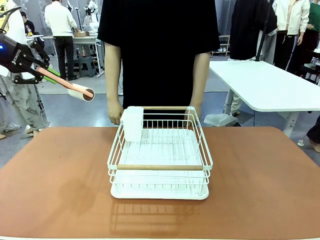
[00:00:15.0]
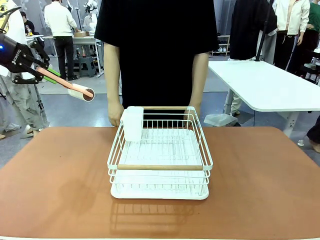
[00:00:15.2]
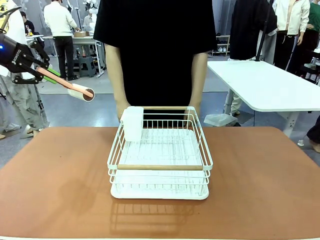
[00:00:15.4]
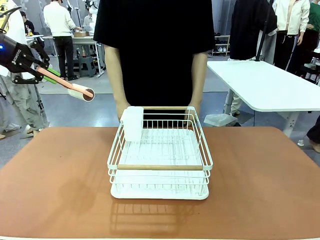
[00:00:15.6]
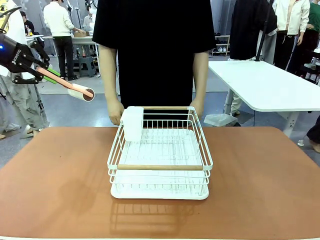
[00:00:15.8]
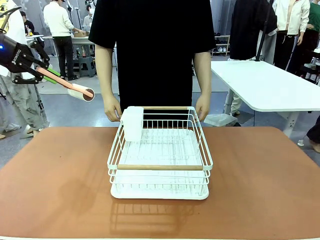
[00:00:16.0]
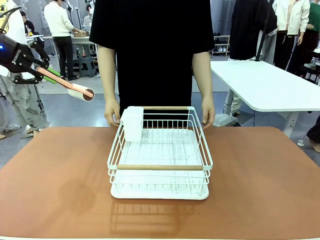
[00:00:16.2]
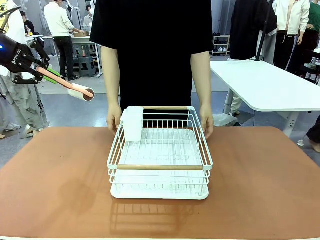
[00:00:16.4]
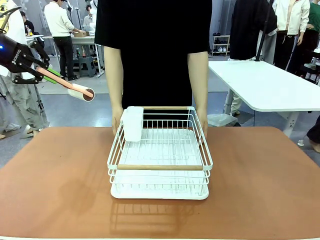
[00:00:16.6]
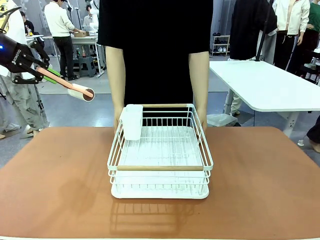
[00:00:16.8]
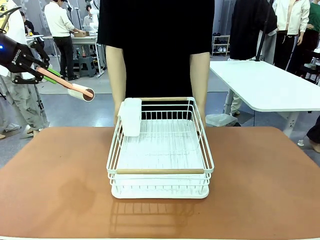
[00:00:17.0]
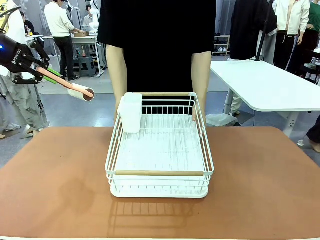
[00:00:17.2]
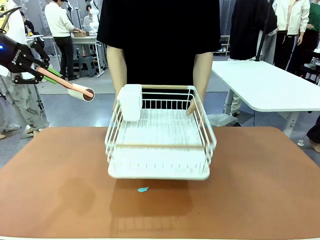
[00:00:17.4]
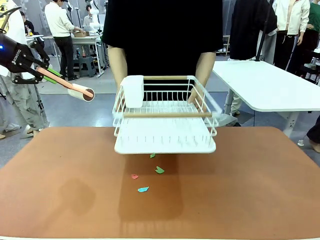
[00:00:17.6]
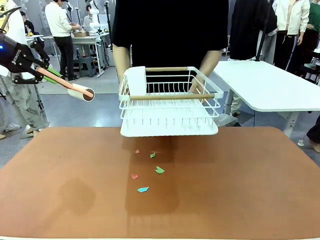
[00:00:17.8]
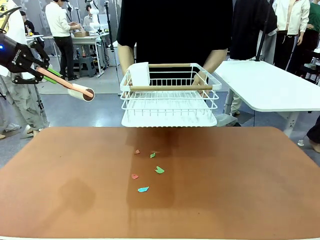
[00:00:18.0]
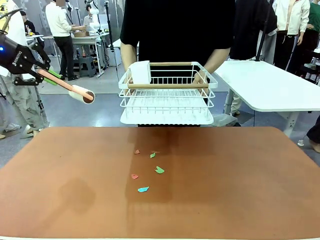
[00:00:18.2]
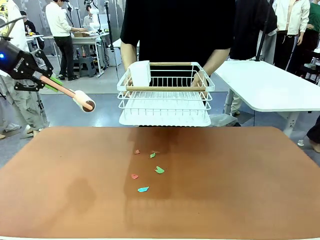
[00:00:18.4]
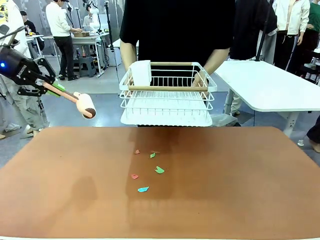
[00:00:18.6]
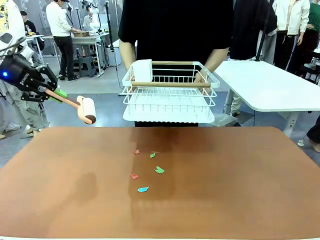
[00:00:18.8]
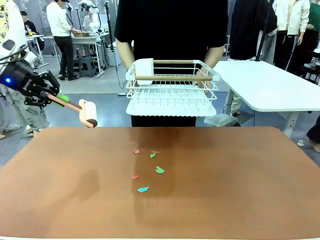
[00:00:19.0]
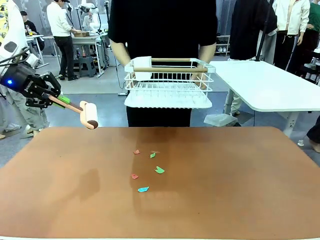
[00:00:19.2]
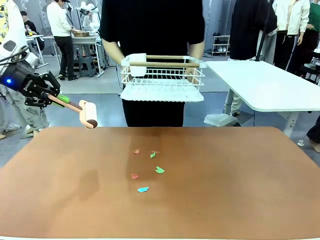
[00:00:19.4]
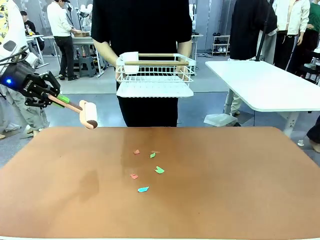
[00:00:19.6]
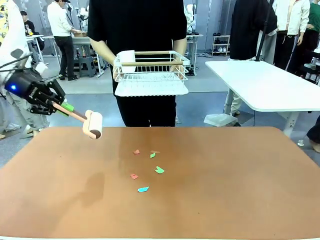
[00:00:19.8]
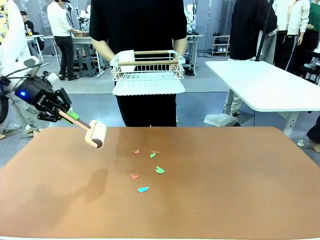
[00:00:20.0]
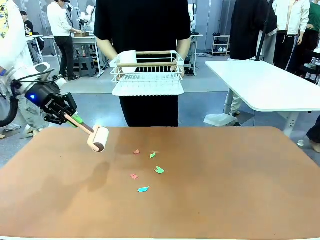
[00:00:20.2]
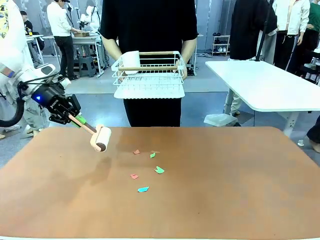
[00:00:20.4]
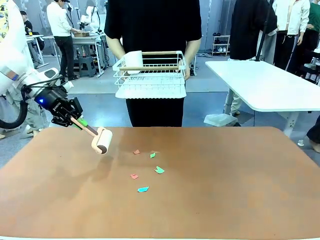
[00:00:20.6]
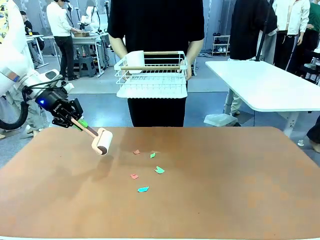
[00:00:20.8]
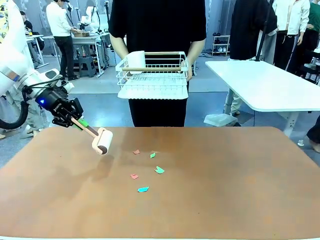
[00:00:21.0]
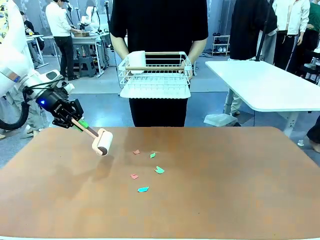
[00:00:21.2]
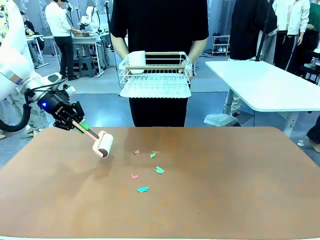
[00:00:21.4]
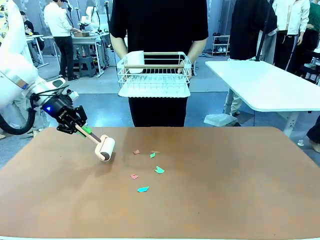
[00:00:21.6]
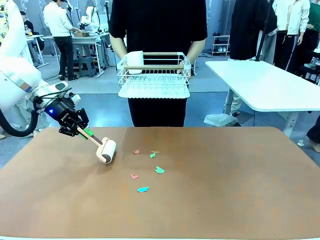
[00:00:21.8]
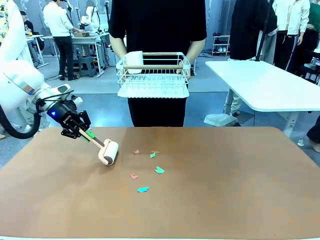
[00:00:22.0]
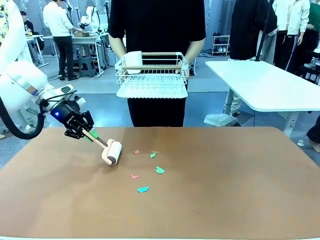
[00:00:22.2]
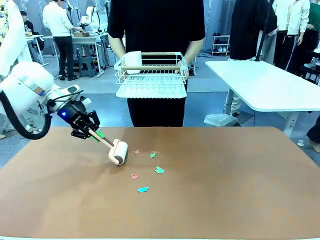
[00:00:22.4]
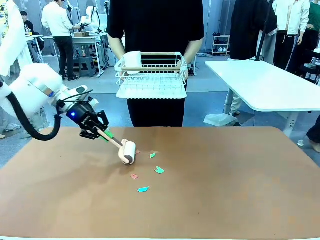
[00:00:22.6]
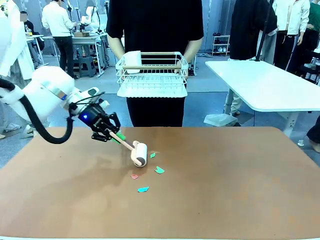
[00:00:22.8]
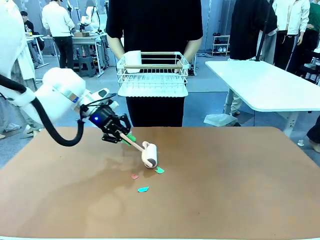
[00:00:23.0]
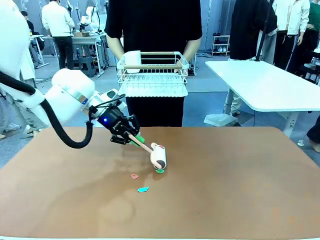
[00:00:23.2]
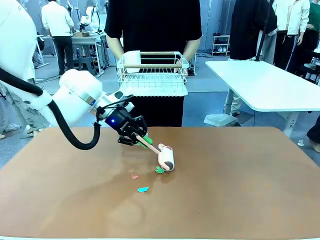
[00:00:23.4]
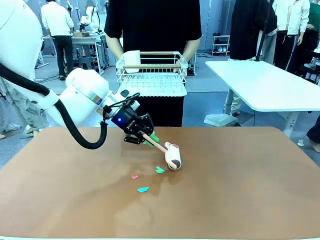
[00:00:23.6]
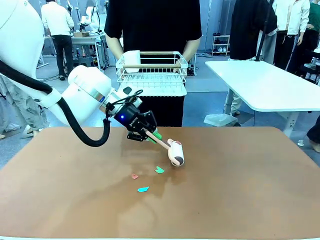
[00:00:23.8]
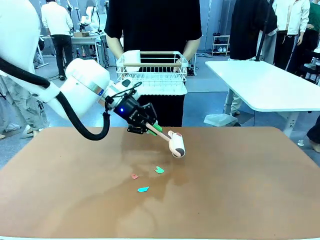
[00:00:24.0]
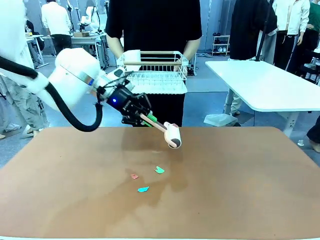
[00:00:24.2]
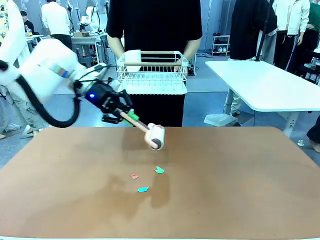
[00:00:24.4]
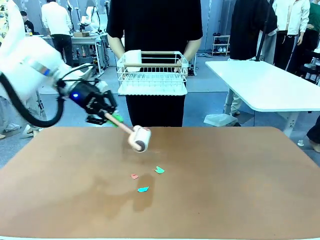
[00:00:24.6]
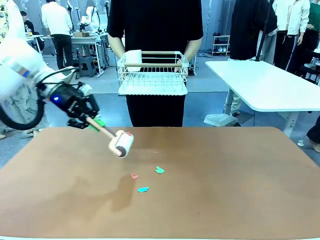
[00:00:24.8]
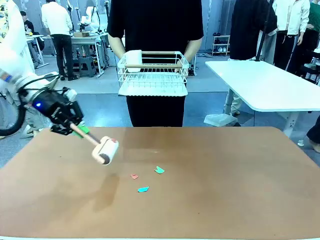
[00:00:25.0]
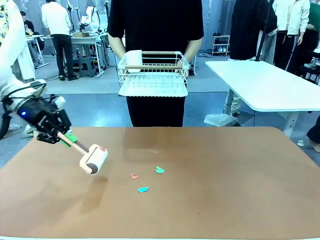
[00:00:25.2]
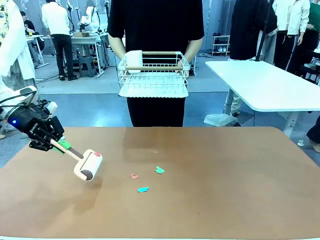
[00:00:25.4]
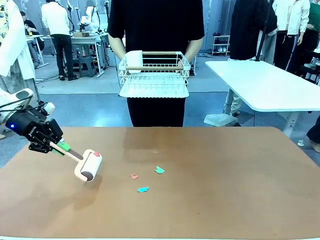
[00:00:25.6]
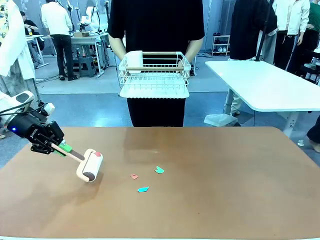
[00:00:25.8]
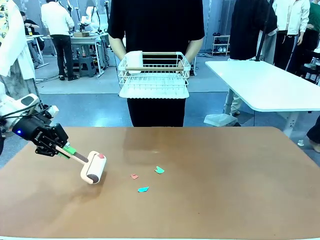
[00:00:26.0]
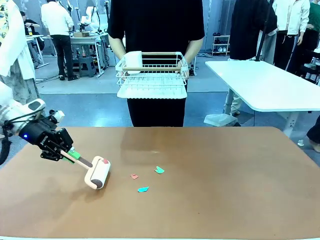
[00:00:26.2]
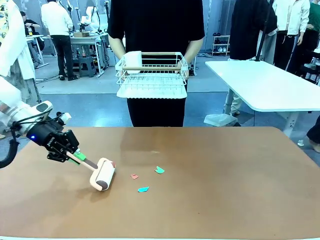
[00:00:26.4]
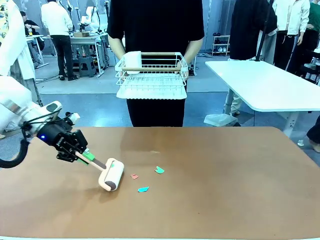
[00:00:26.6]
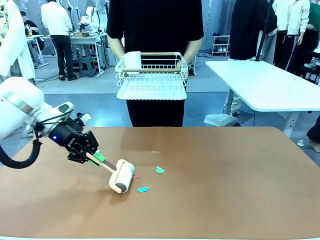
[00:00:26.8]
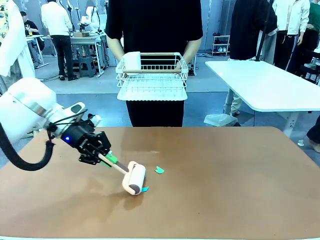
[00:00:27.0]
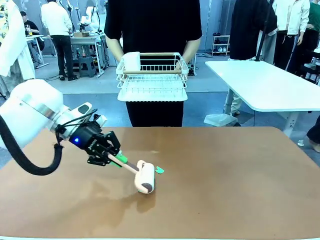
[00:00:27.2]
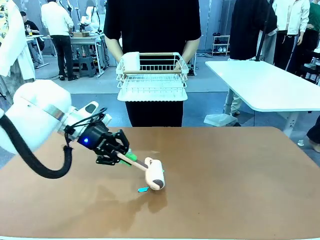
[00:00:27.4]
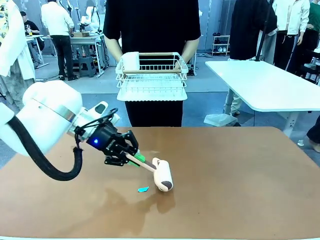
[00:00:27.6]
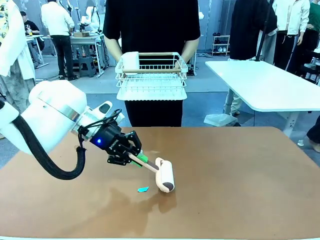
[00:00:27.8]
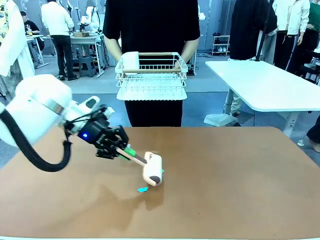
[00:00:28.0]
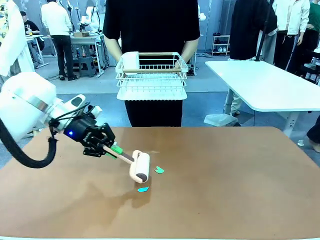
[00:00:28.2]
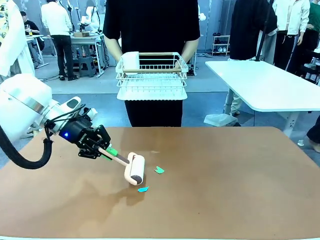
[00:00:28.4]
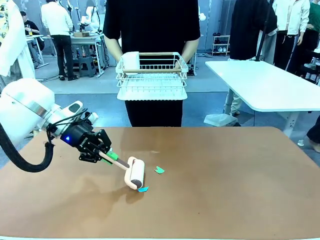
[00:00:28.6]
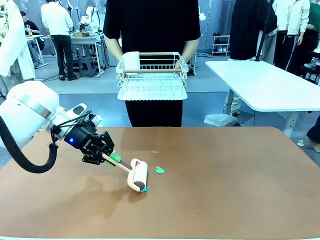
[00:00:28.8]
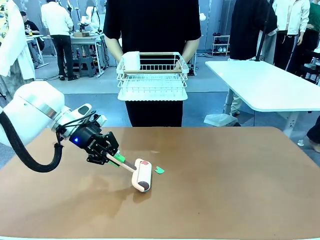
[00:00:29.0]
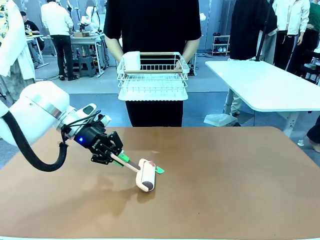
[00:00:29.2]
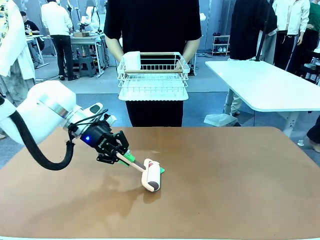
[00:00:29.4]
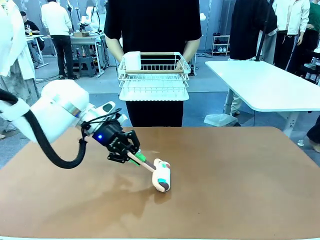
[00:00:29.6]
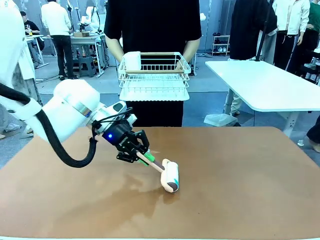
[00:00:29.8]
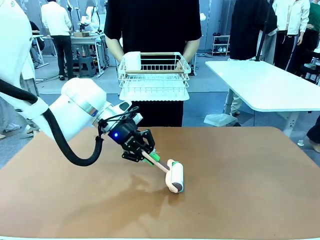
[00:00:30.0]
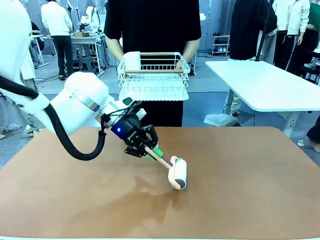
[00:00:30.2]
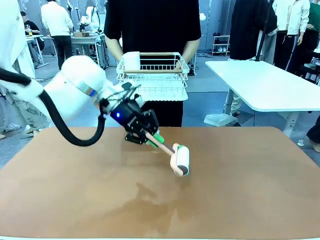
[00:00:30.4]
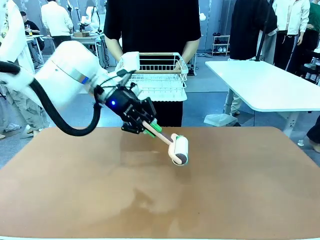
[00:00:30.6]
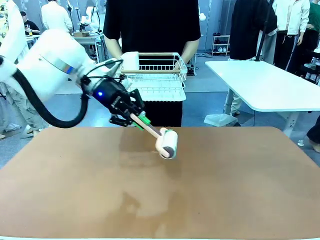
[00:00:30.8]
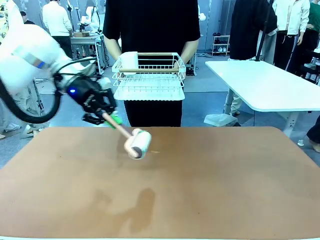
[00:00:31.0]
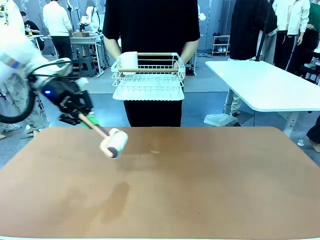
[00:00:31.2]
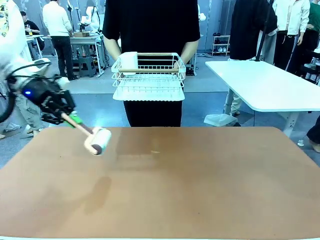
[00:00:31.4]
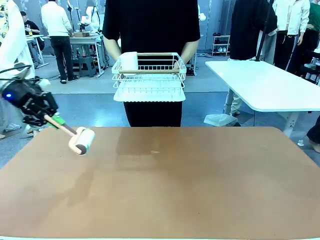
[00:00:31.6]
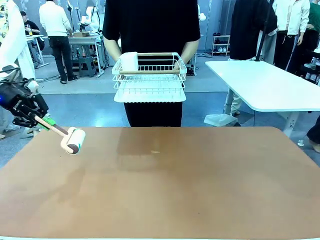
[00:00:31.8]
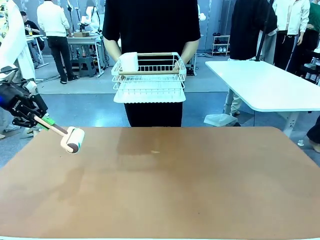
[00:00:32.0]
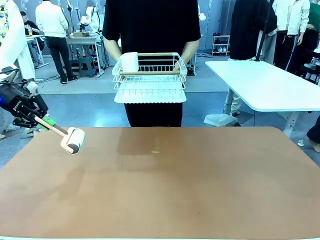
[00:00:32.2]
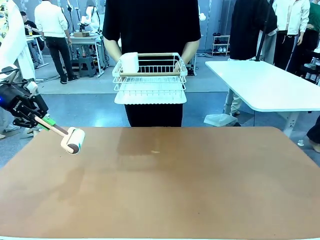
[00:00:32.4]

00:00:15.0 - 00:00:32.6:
Task: Clean the table.
Robot: Clean the table with the Lint Roller when the human lifts the Dish drying rack.
Person: Place the Dish drying rack down when the robot finishes cleaning.
